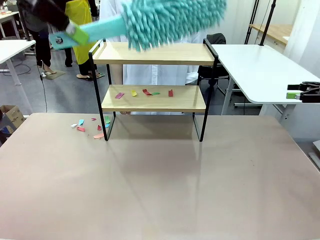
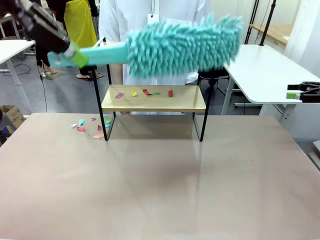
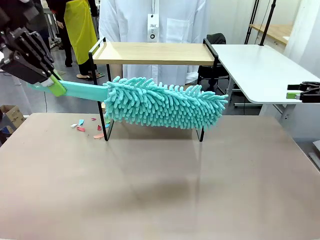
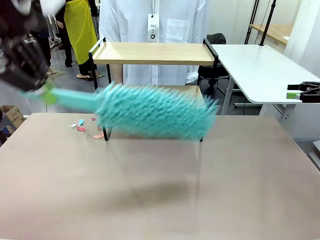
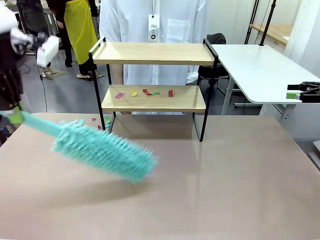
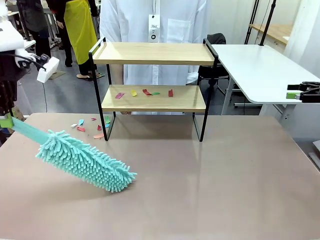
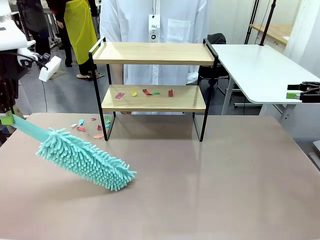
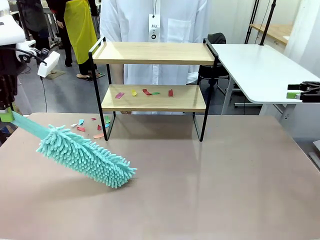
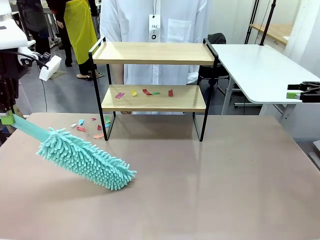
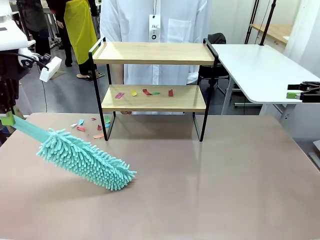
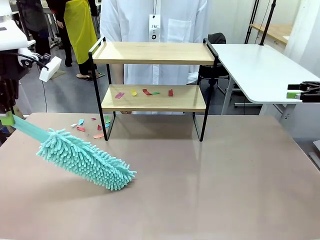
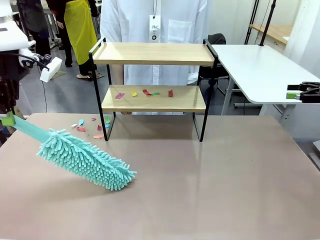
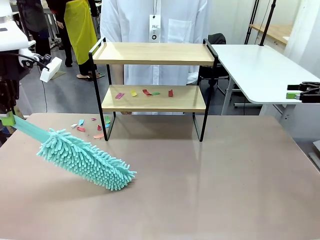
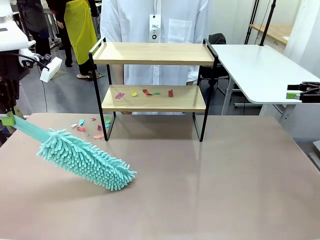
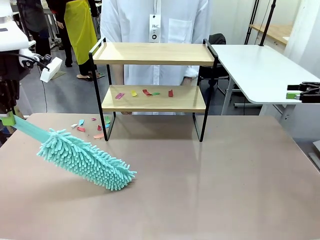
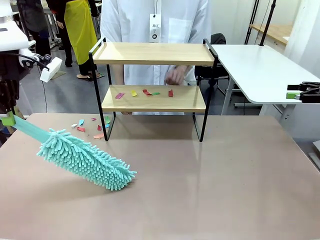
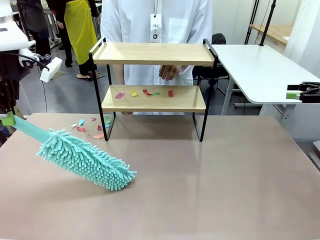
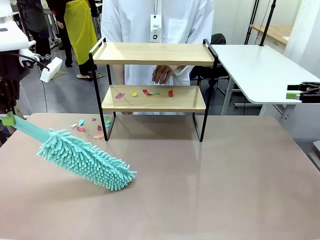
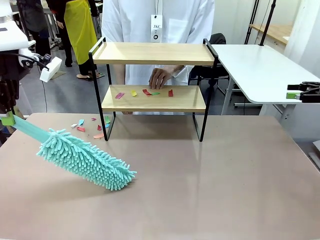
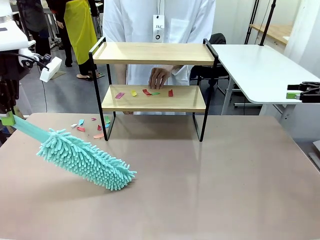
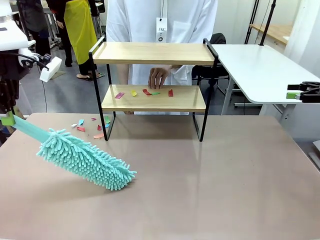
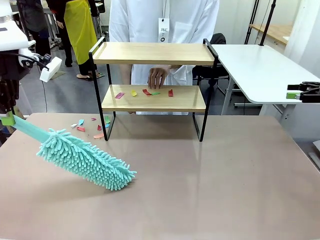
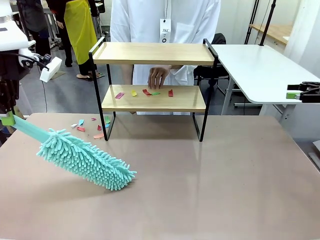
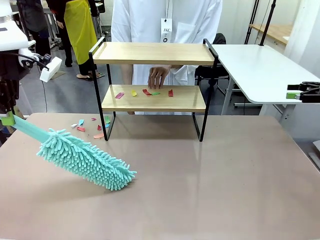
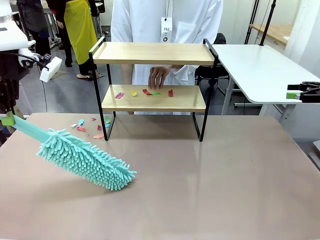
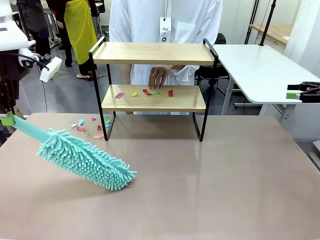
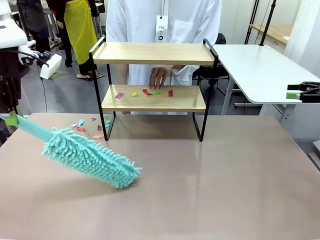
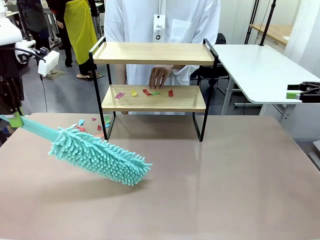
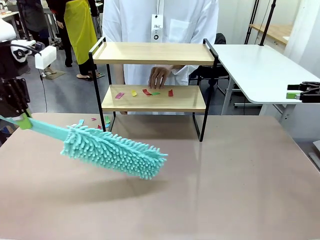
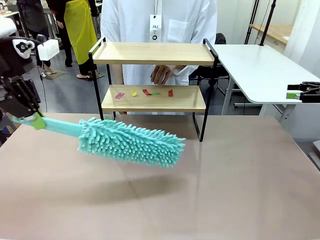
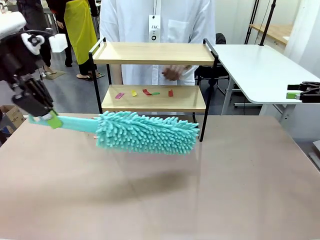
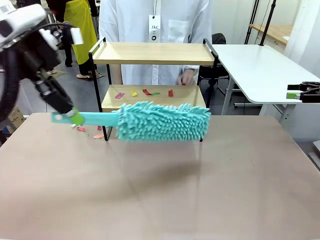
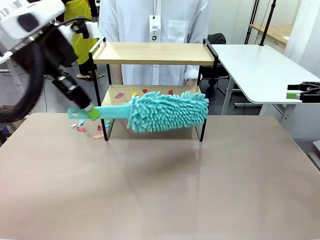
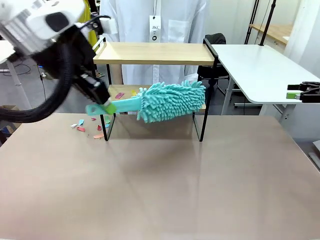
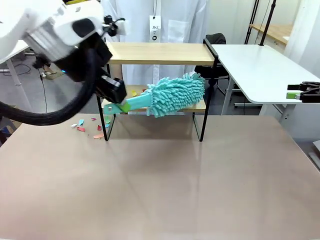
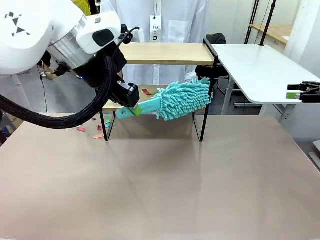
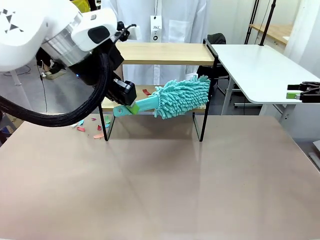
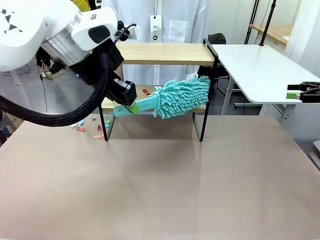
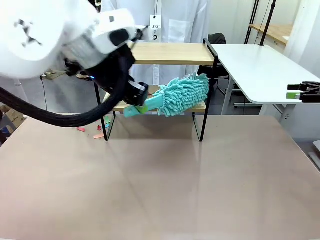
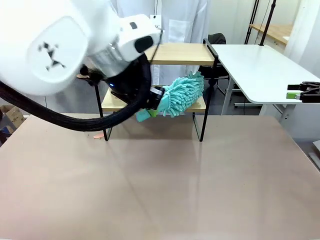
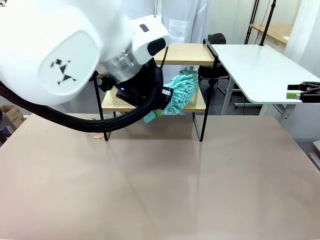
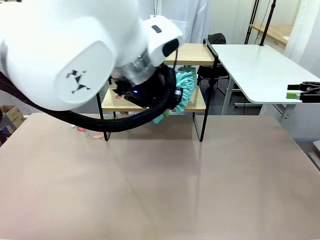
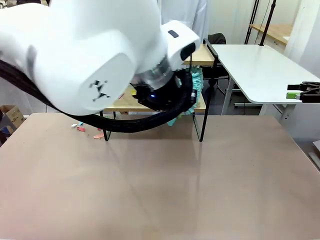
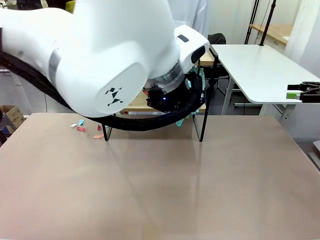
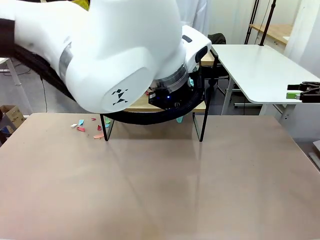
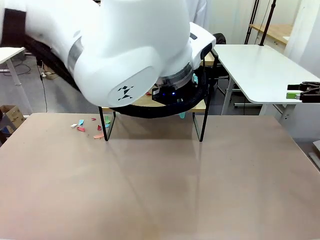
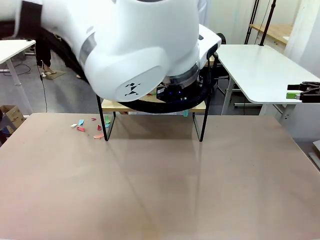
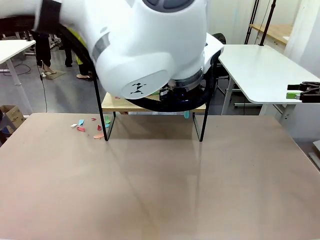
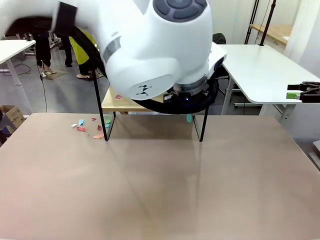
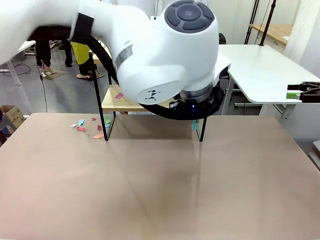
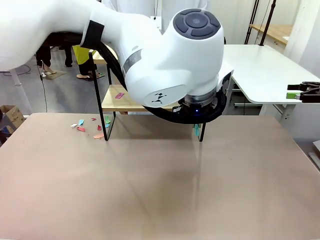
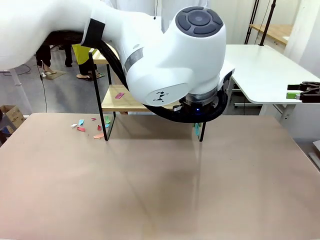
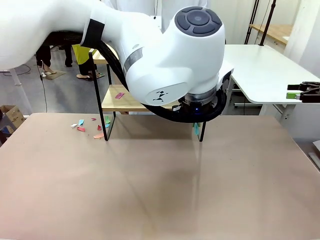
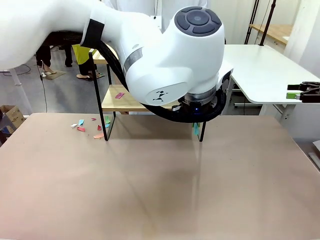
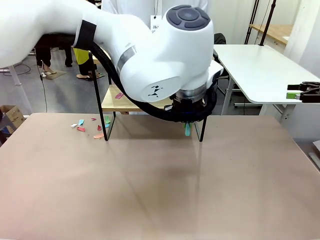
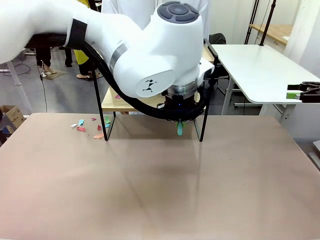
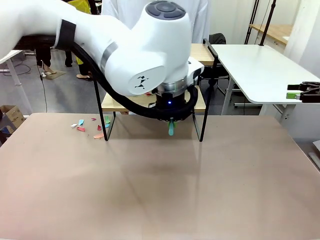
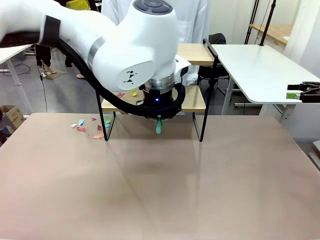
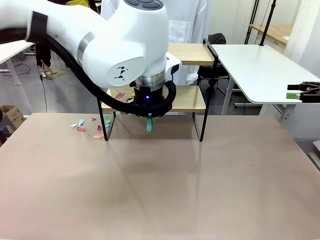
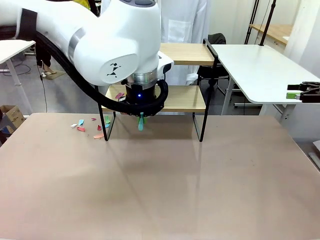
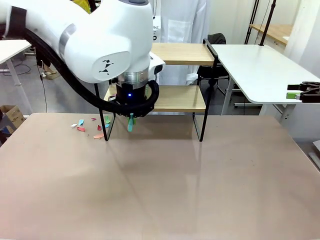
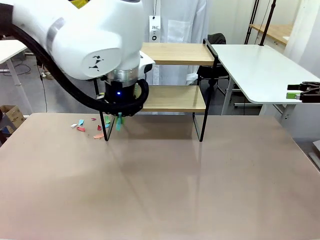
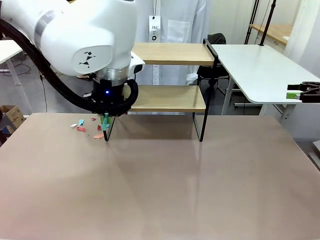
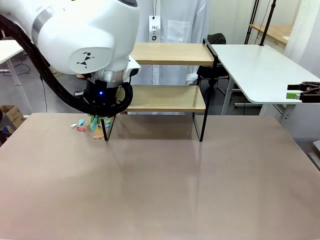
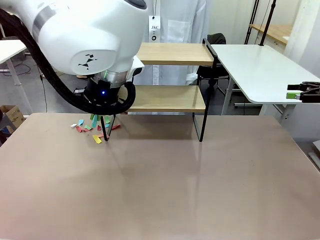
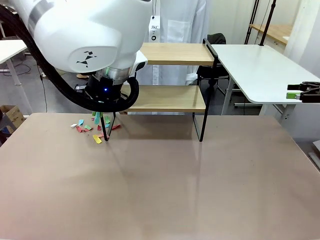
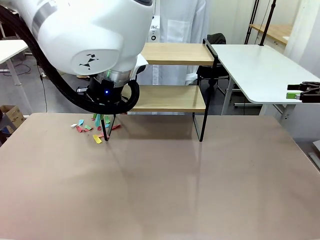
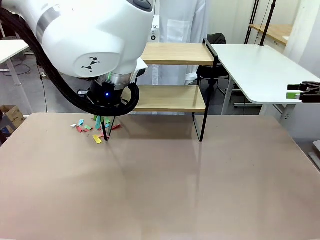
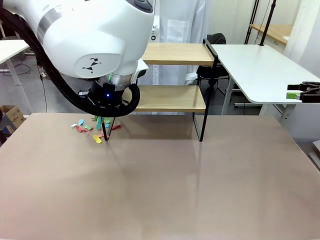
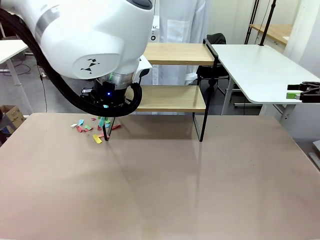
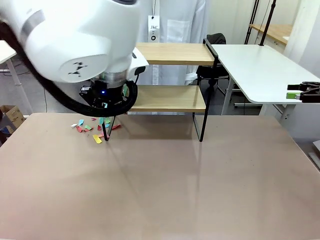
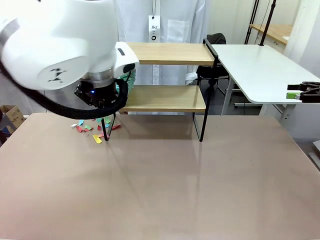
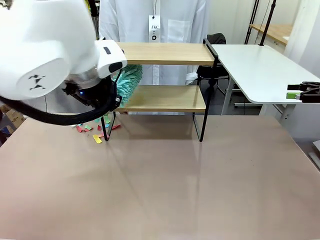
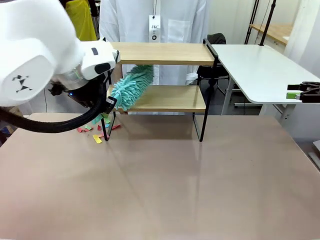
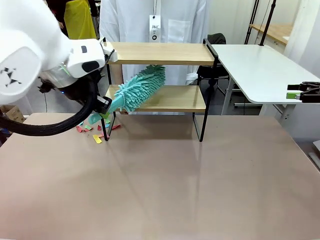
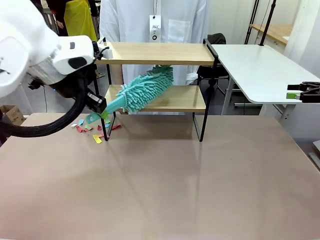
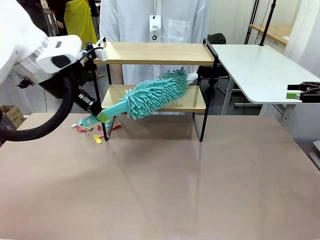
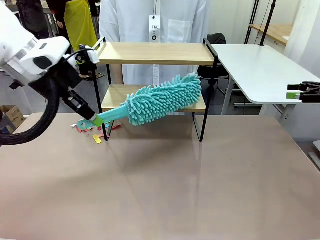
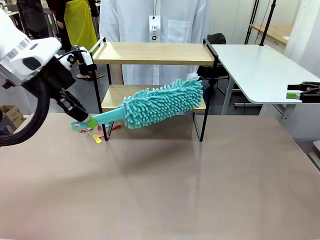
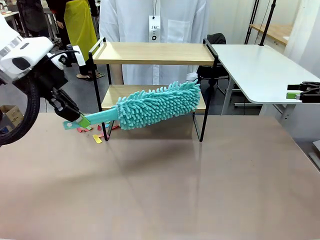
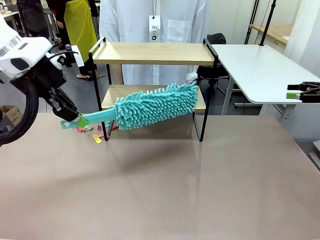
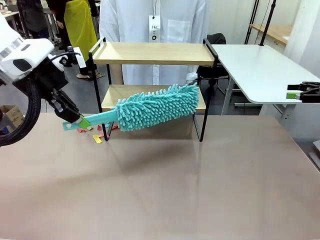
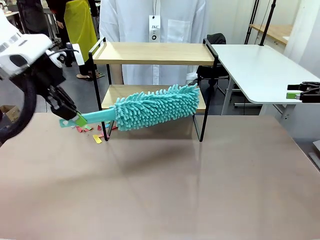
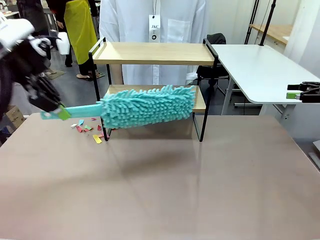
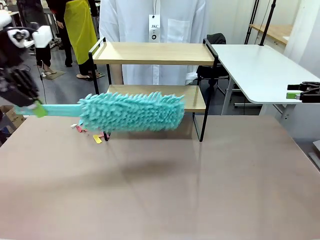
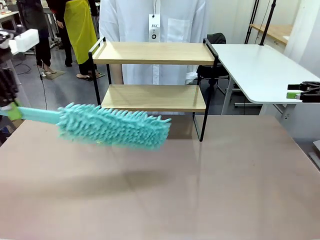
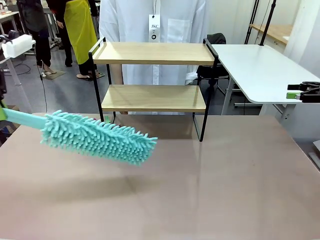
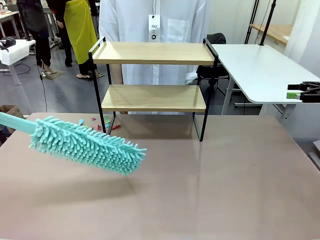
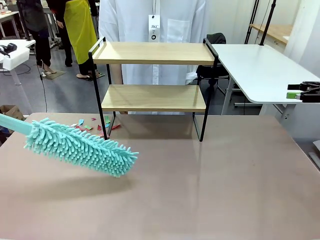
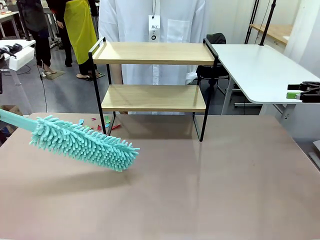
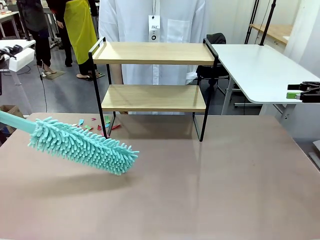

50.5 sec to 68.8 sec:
Task: Clean the shelf.
Robot: Clean the specific section of the Shelf indicated by the human with the Duster.
